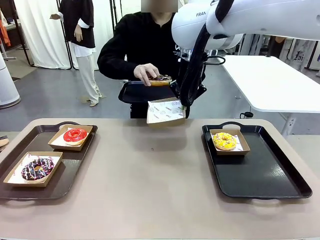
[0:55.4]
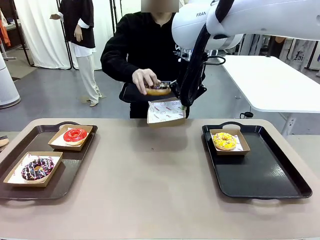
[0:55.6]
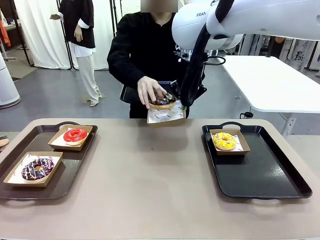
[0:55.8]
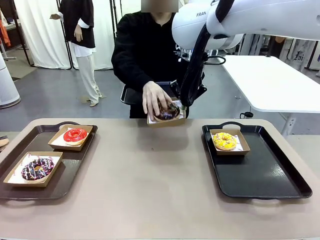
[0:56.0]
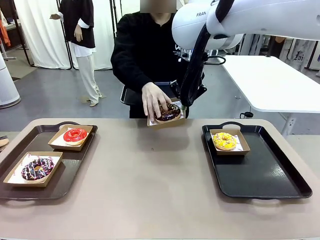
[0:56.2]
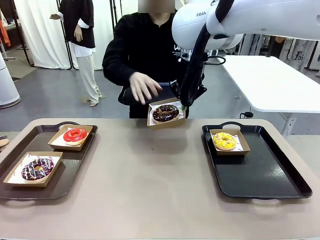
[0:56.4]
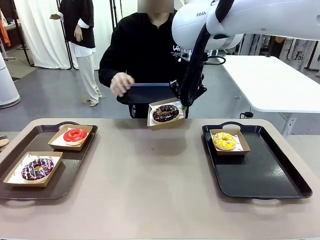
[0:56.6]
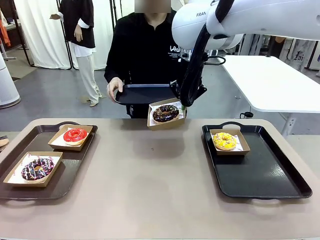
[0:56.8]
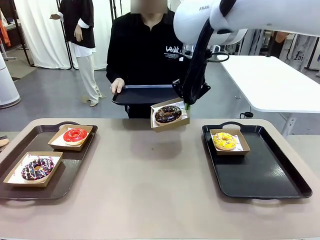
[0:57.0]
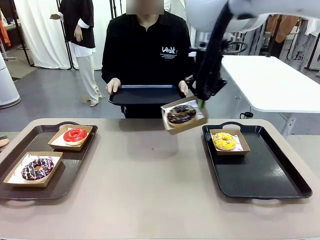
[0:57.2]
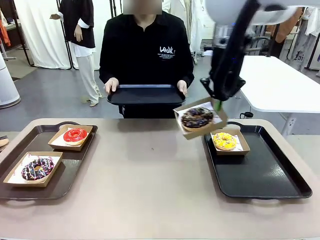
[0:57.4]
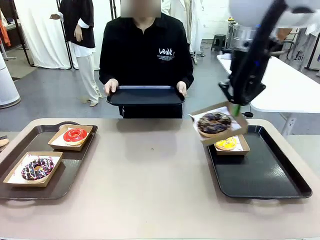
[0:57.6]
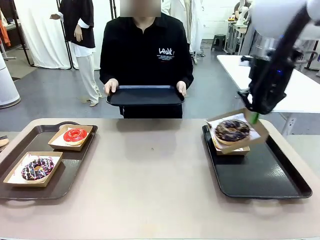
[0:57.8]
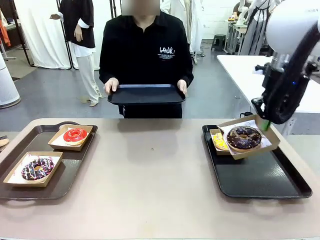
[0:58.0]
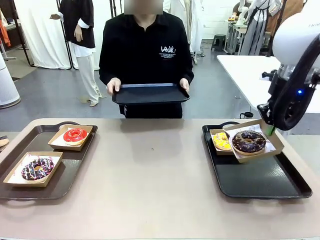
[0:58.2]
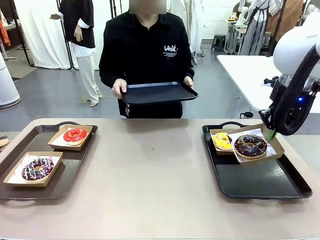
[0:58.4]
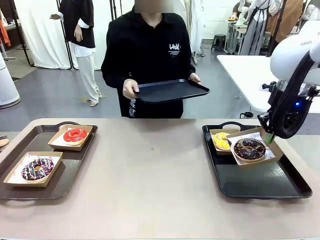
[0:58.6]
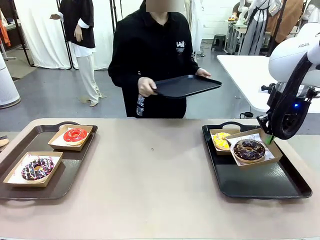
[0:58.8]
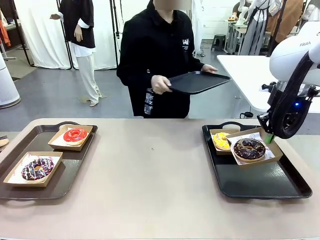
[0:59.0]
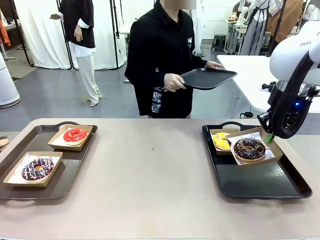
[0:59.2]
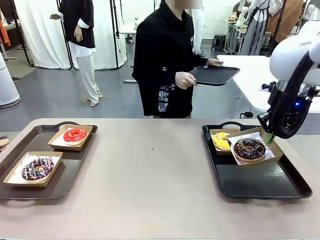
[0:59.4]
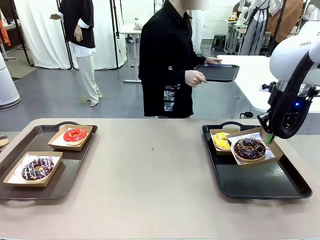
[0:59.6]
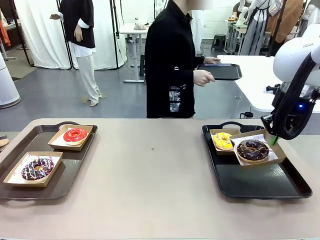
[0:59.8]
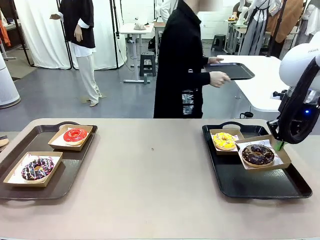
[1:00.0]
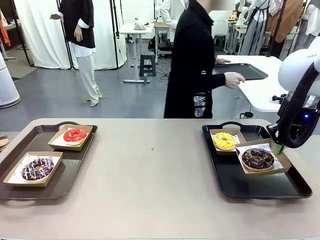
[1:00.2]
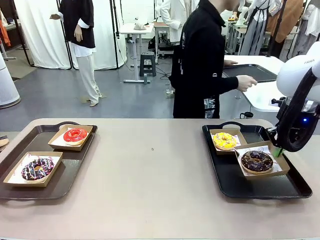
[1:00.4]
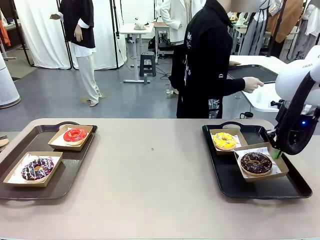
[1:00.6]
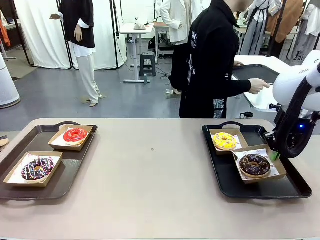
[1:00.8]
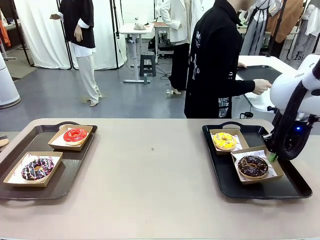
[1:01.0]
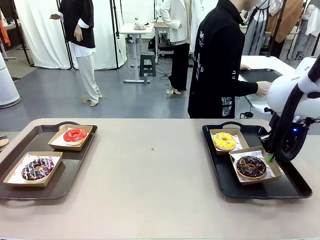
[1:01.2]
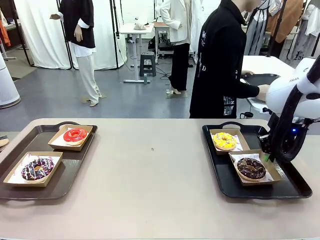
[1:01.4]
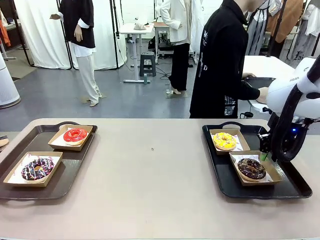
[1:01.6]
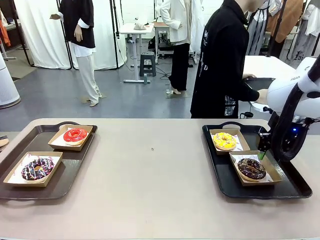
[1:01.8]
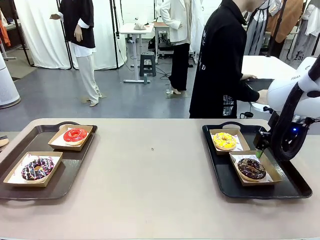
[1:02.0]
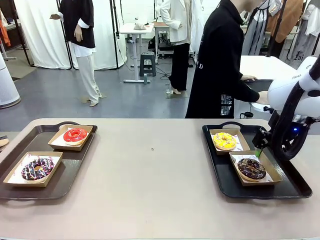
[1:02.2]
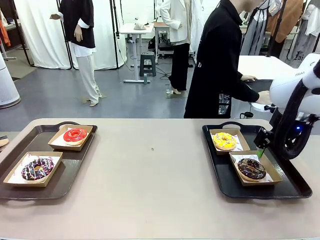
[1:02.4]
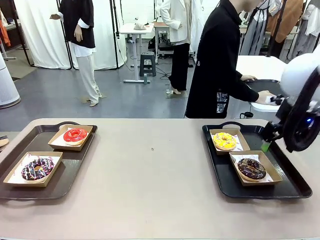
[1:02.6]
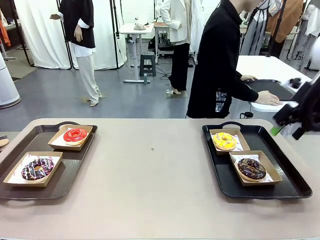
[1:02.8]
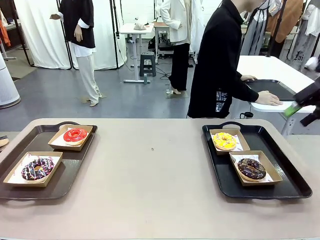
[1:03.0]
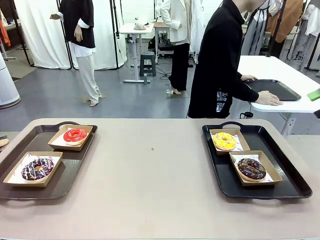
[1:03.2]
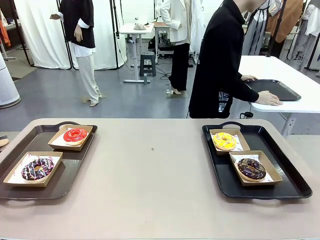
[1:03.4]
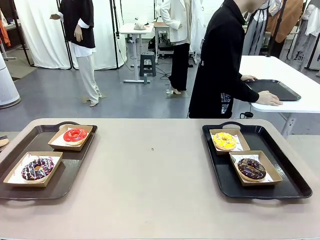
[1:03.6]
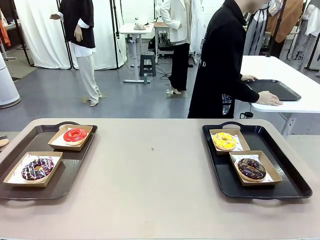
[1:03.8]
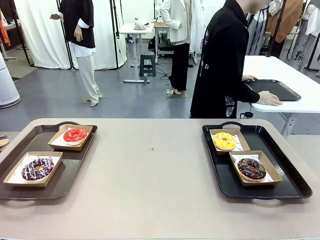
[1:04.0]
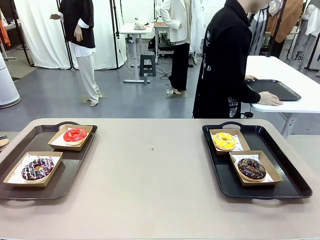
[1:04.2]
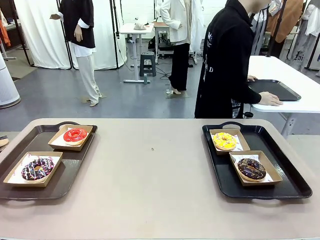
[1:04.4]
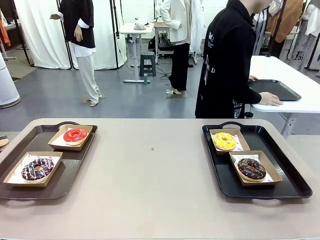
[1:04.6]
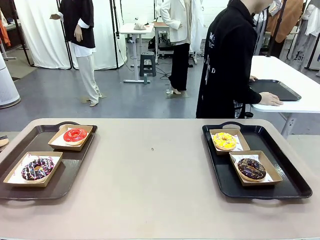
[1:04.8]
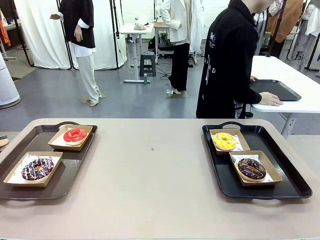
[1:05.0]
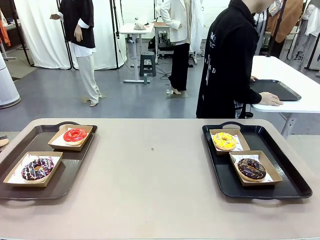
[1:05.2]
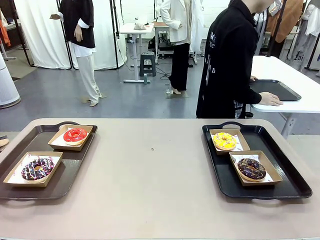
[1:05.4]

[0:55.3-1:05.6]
Task: Individually package the donuts and arrange them on the tray.
Robot: Place the picked Paper togo box on the Handle tray.
Person: Place the tray down in the middle of the human table.

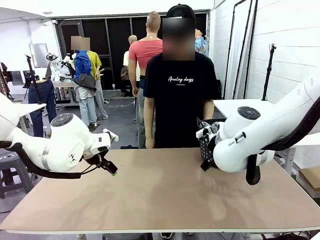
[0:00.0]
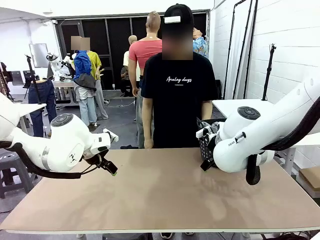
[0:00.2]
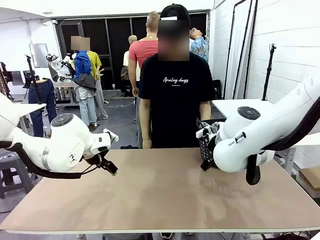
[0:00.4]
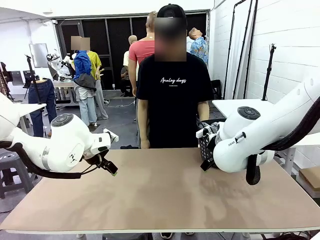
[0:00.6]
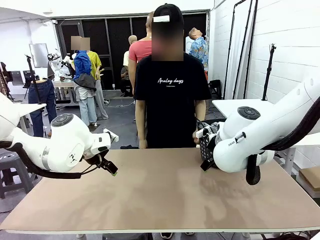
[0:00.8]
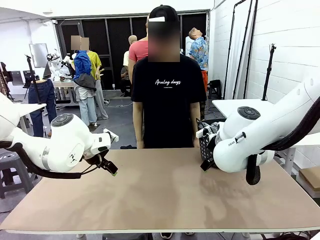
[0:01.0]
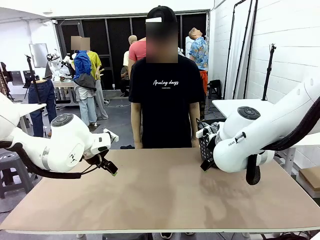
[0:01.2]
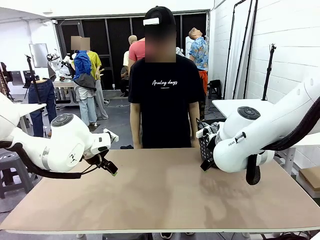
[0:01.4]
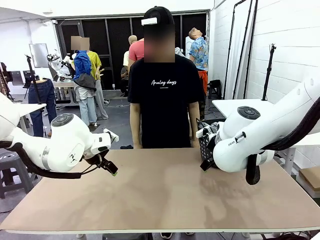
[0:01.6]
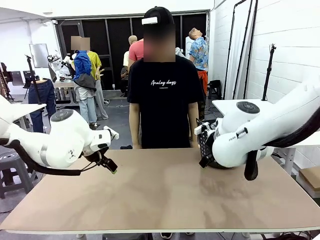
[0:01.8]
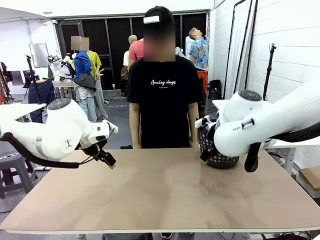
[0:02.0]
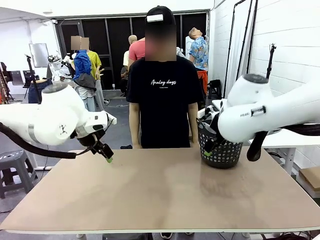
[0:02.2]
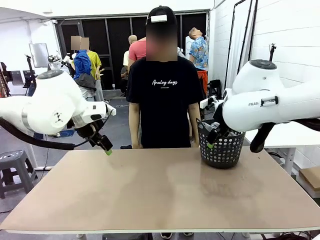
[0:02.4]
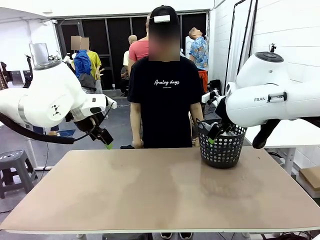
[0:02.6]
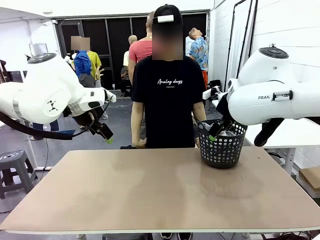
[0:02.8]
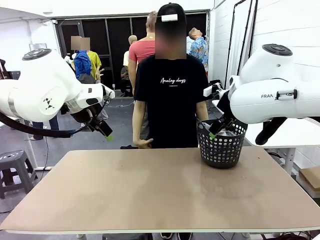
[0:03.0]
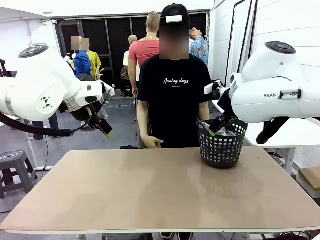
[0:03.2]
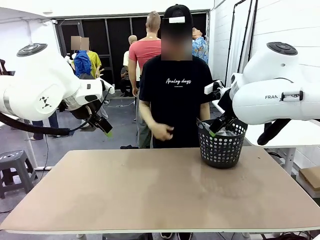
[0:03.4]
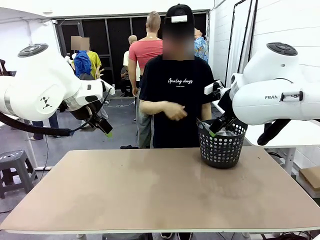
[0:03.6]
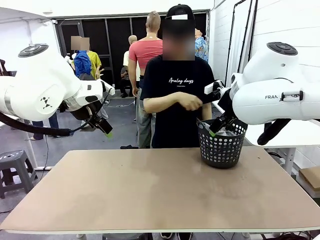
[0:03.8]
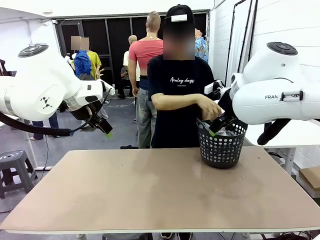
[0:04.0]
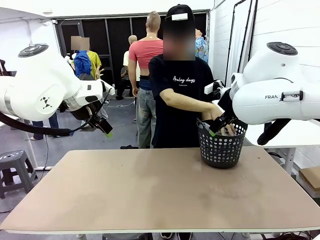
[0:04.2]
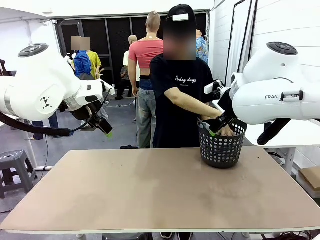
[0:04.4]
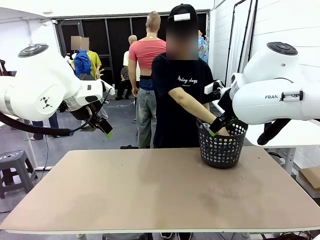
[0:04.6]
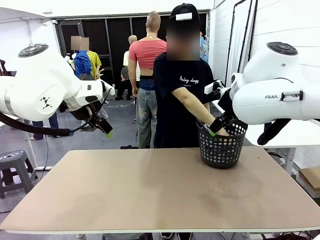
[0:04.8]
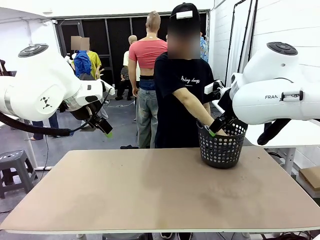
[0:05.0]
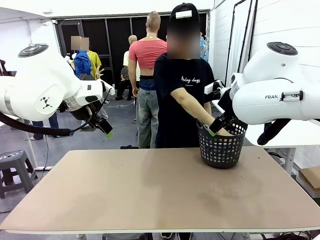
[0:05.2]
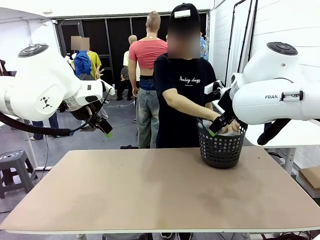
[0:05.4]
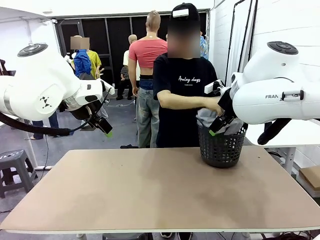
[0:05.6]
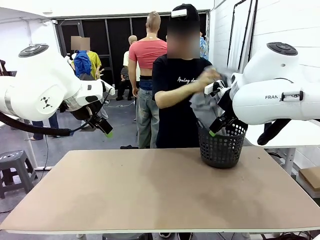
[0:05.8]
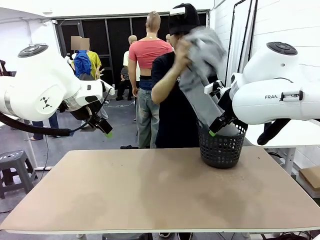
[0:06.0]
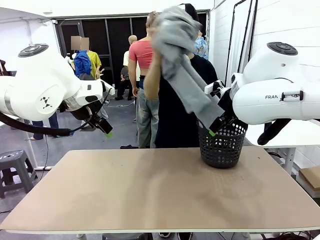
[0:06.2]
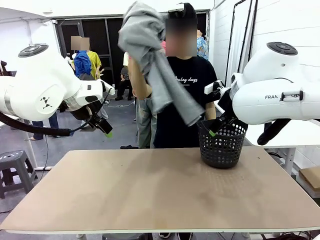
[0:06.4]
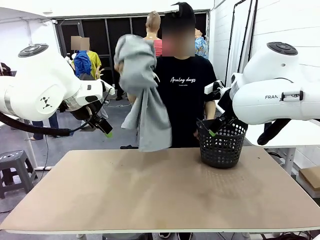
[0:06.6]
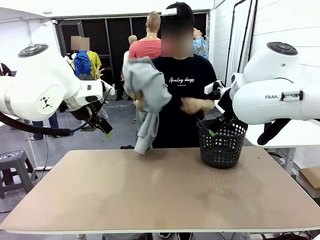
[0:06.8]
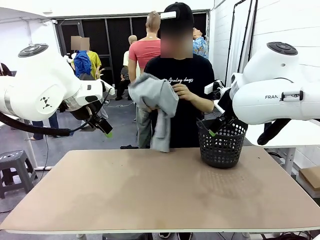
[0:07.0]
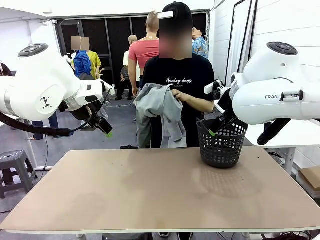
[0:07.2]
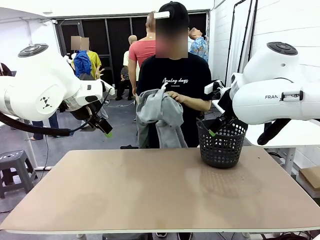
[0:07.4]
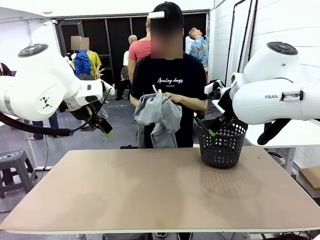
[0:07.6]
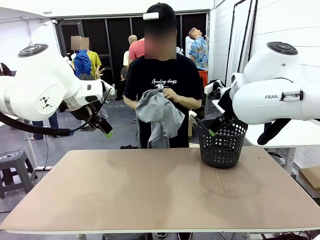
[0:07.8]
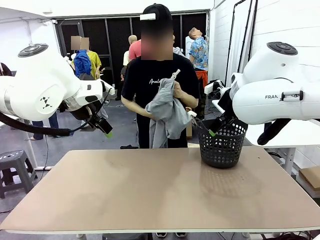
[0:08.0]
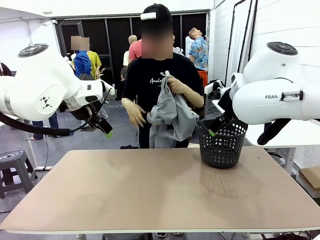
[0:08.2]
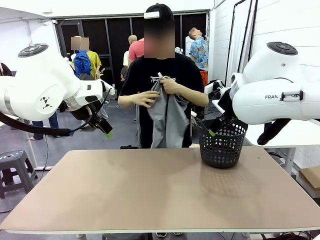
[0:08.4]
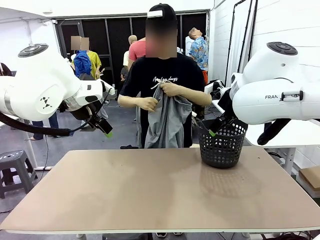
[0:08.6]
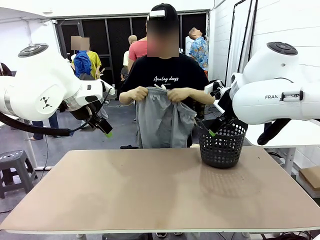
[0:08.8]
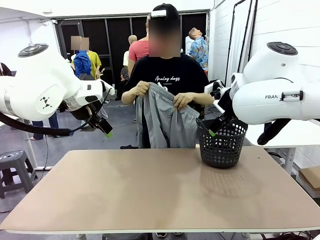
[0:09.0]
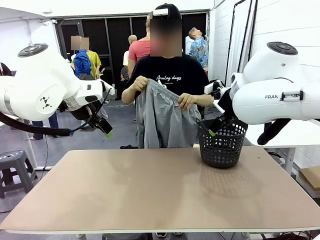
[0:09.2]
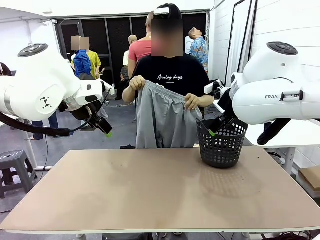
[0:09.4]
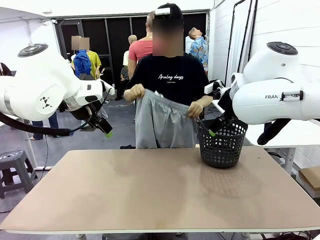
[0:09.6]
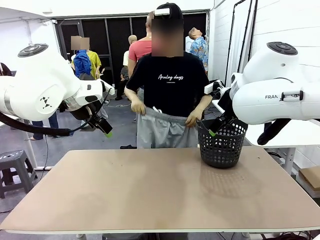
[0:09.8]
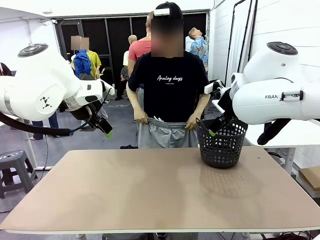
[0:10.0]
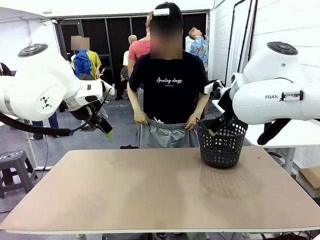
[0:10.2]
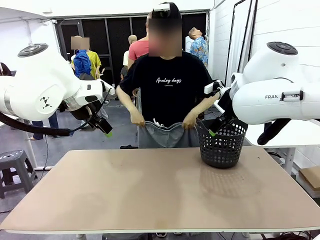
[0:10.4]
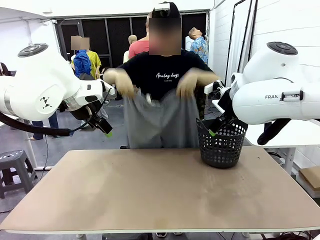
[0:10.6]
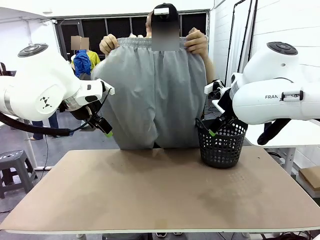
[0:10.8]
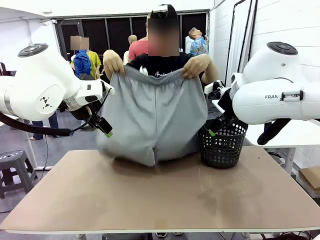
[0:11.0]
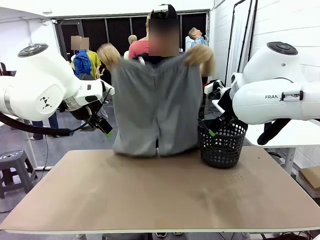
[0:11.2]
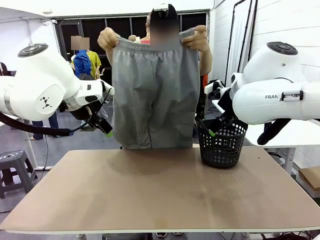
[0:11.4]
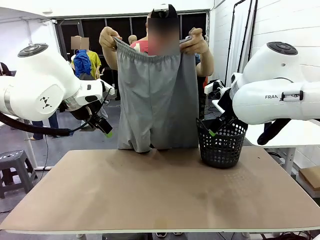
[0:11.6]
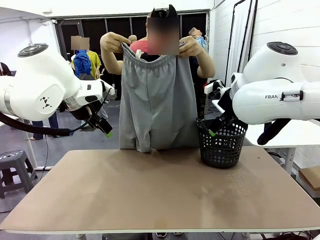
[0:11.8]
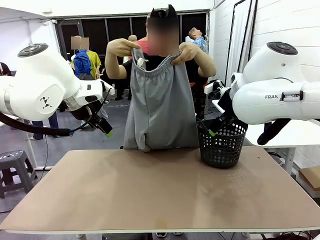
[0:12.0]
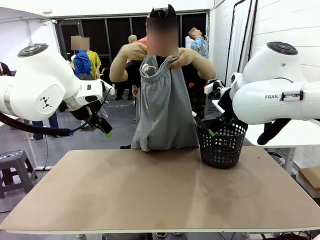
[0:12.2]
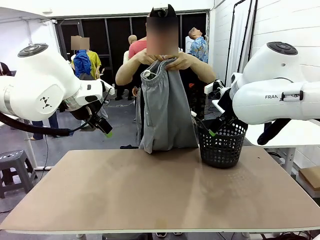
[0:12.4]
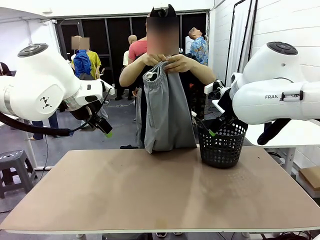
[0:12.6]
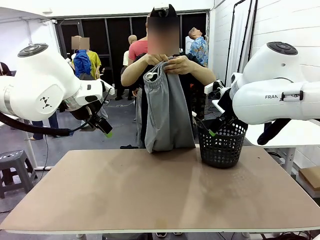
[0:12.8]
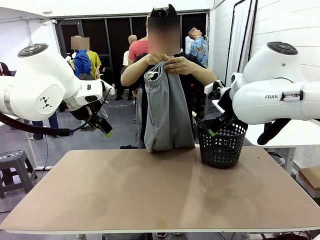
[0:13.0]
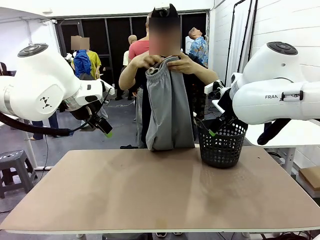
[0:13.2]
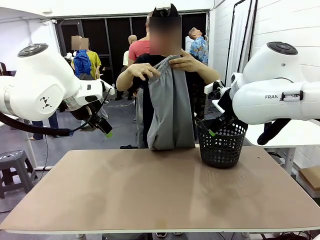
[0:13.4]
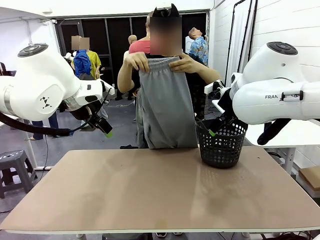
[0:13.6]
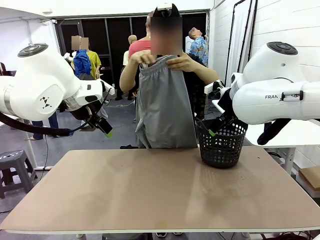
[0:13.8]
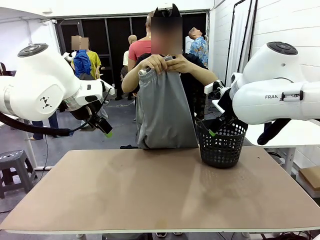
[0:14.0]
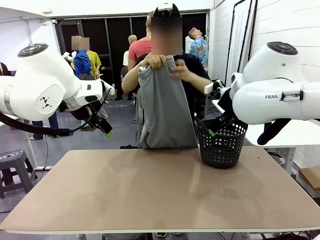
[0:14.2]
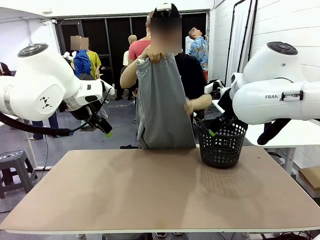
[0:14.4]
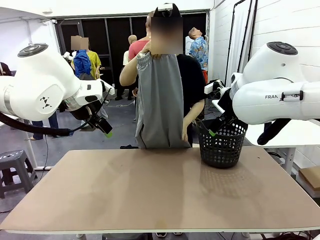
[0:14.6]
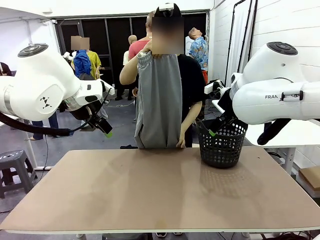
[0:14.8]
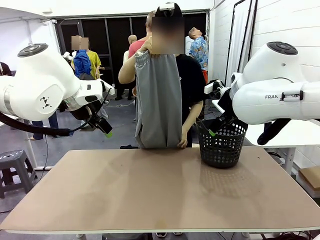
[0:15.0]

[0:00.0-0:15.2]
Task: Fold the training pants.
Robot: Grab both ends of the Training pants handed by a person.
Person: Take the long pants out of the laundry basket, unfold them, fold the waist in half, and extend them so the robot can pick up both corners.
